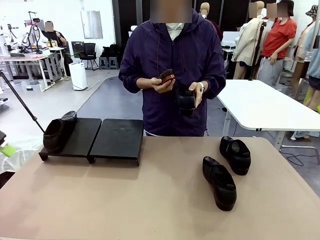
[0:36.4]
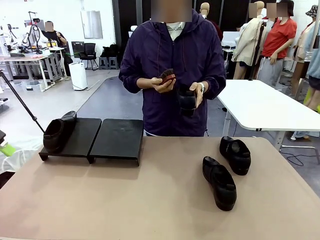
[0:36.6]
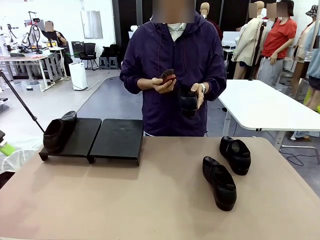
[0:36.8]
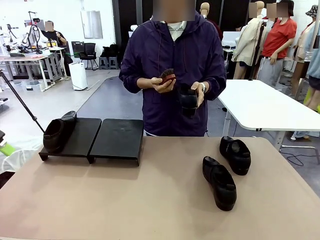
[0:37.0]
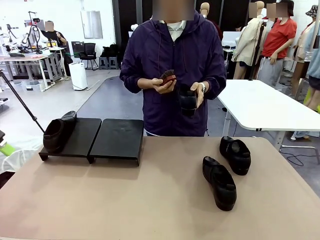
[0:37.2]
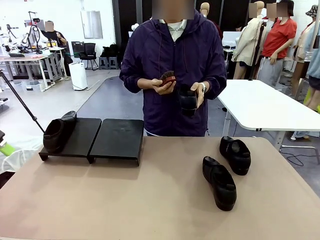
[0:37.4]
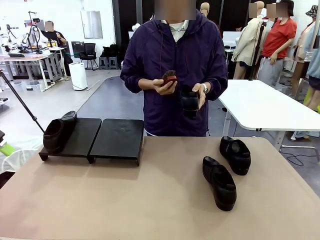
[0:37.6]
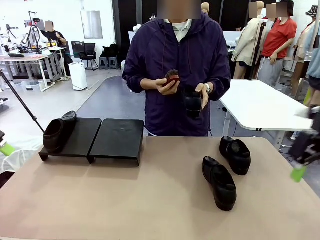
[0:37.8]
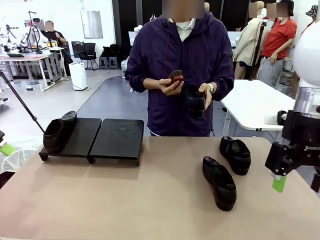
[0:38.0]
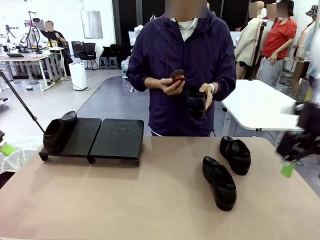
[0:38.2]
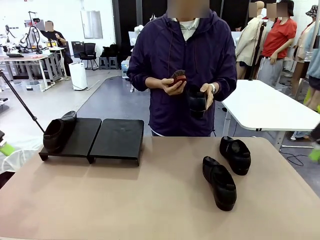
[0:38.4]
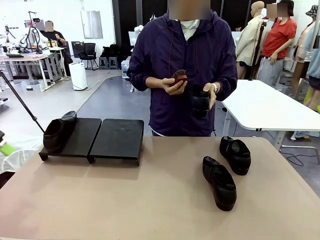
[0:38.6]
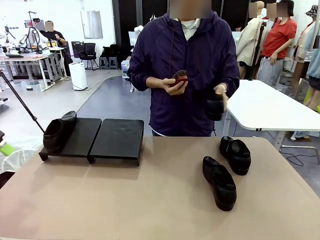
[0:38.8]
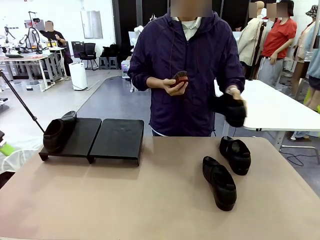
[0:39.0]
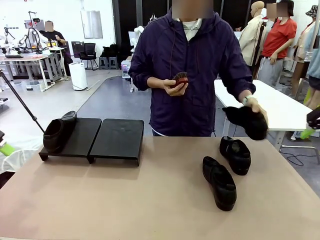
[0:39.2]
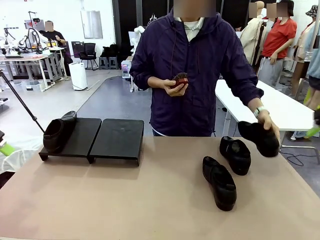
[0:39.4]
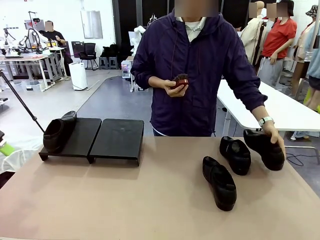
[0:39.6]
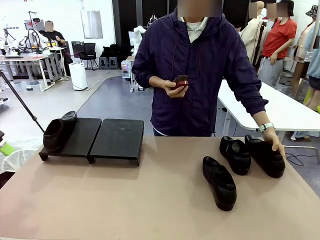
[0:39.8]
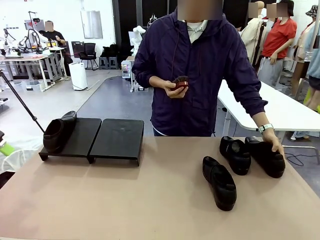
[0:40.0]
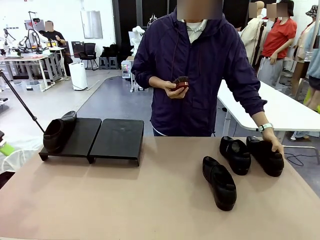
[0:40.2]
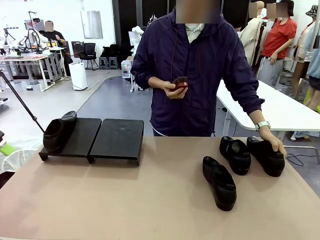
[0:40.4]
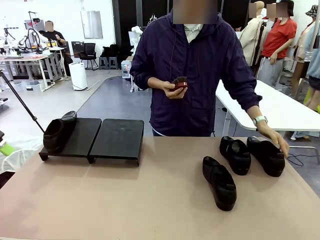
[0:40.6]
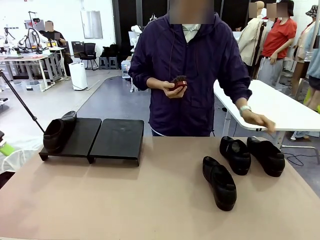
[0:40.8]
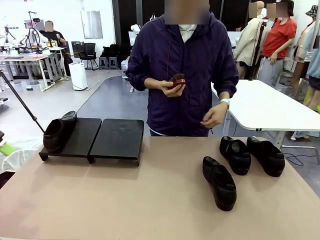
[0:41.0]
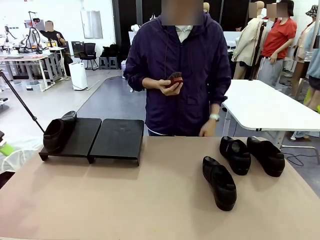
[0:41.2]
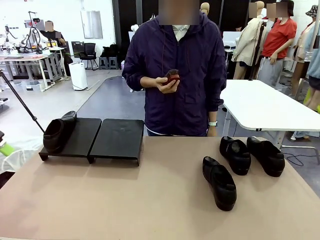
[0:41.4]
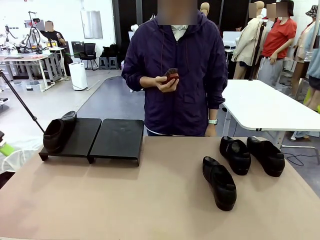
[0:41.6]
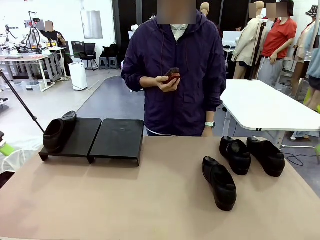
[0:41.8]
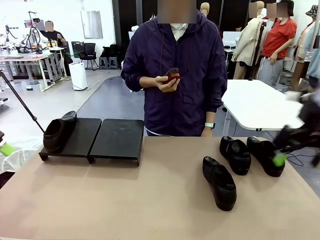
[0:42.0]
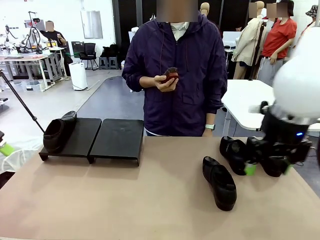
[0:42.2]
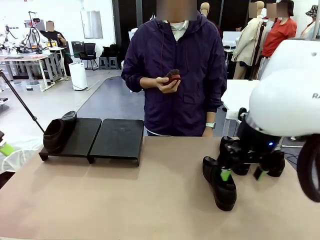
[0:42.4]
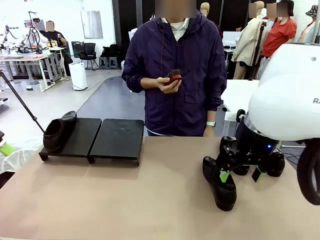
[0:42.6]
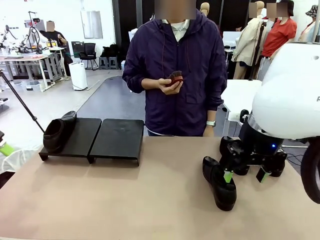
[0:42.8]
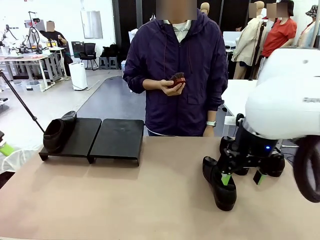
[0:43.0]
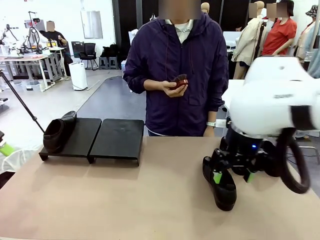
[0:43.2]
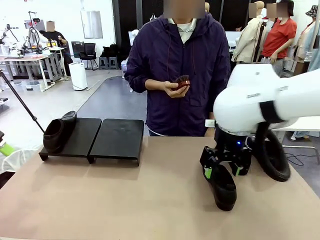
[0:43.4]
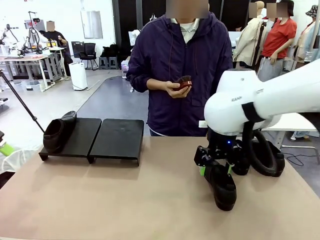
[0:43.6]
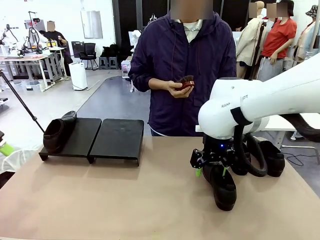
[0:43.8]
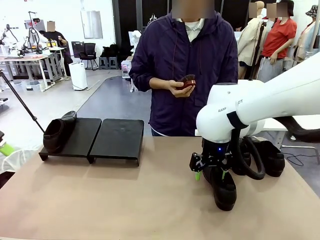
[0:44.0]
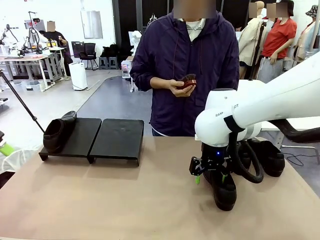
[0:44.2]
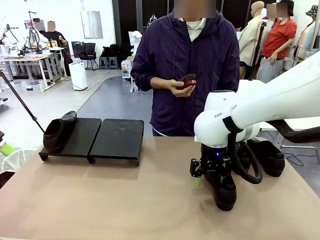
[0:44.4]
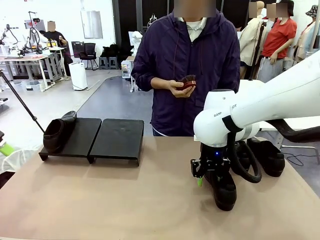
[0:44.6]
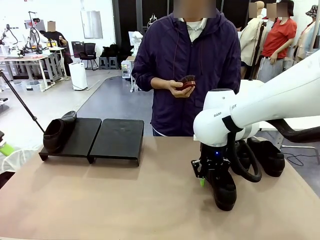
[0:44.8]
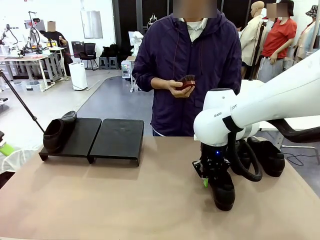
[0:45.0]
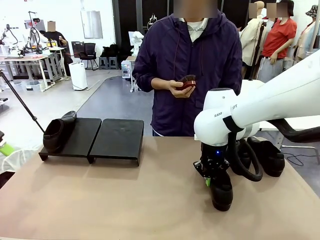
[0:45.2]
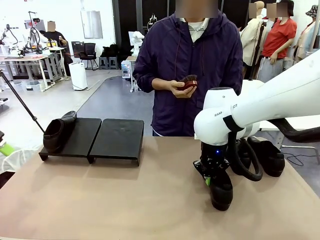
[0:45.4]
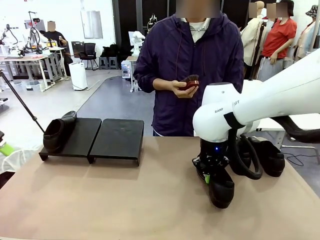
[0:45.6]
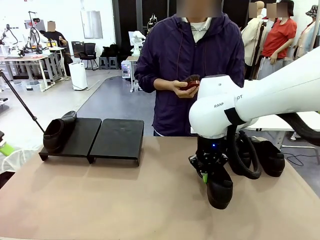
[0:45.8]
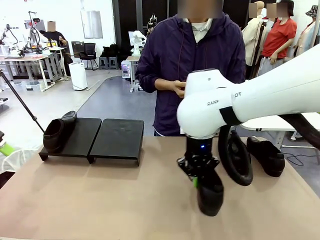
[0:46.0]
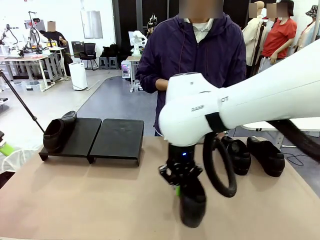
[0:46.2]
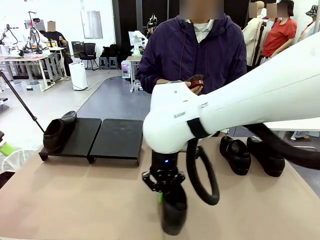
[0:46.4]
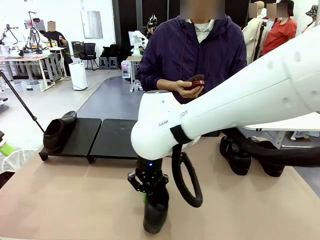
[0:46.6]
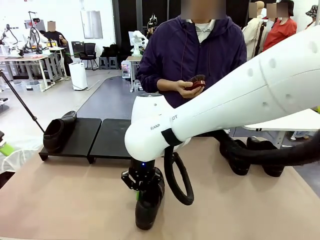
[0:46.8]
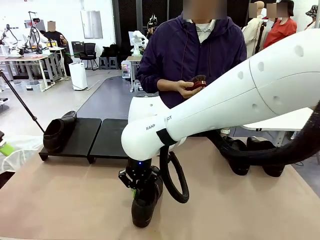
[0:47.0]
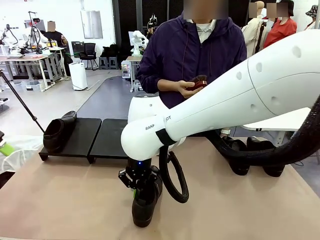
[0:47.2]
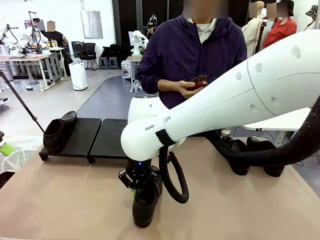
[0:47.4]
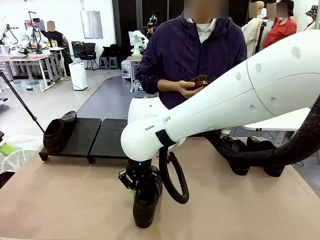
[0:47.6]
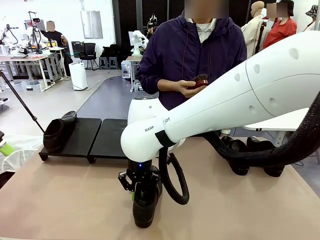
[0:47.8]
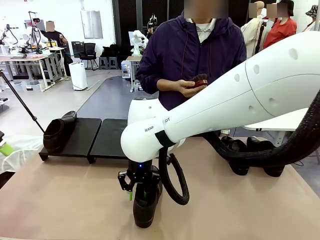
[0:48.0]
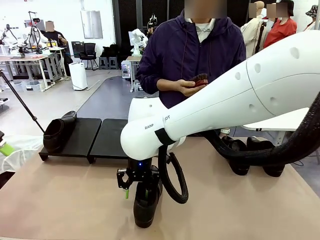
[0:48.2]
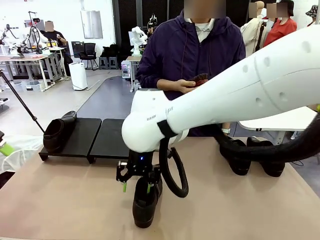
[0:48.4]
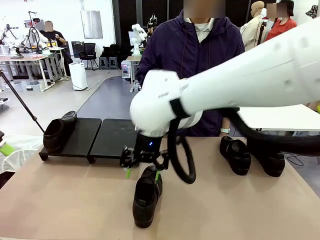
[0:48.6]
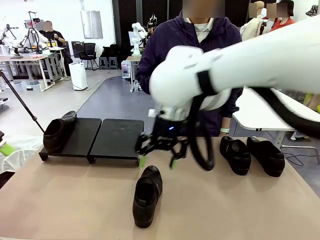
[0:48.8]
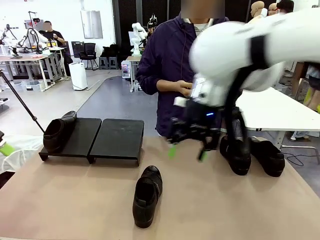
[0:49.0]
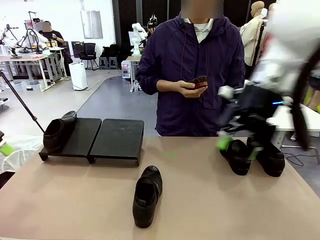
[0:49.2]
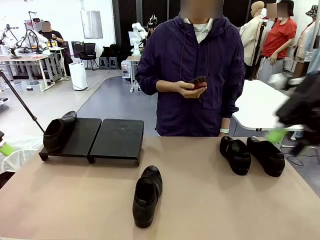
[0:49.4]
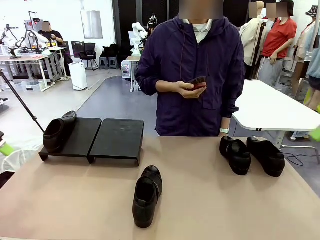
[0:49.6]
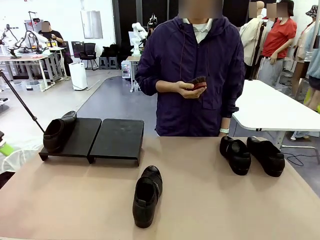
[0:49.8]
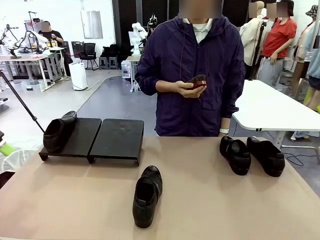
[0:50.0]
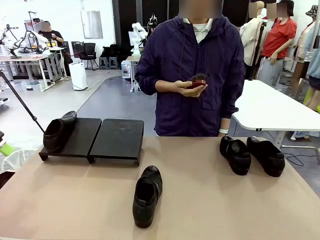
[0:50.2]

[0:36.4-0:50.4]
Task: Organize the shoes by placing them on the stand.
Robot: Pick up one Shoe and place it in the middle of the table.
